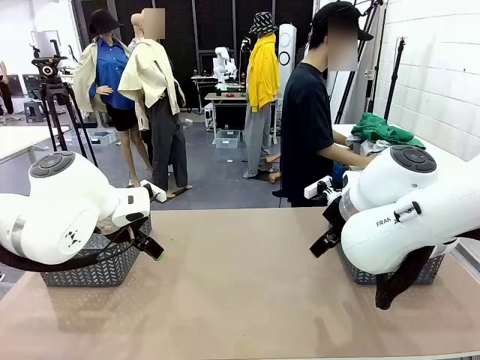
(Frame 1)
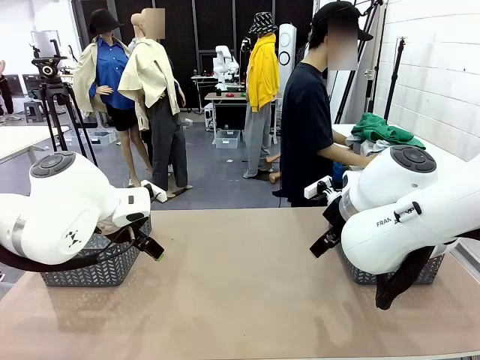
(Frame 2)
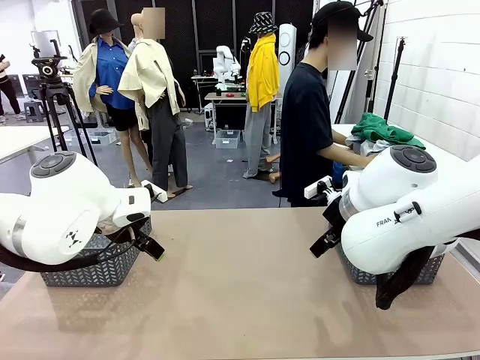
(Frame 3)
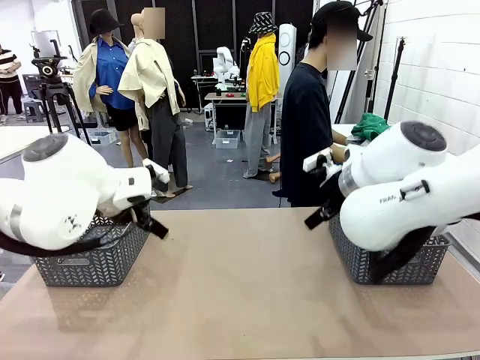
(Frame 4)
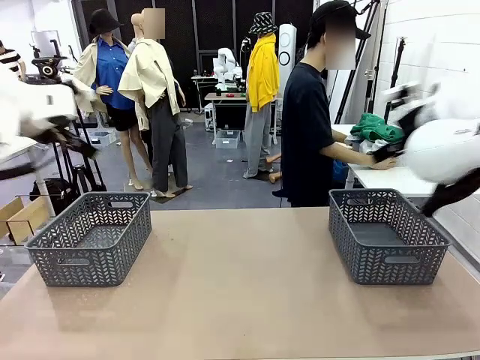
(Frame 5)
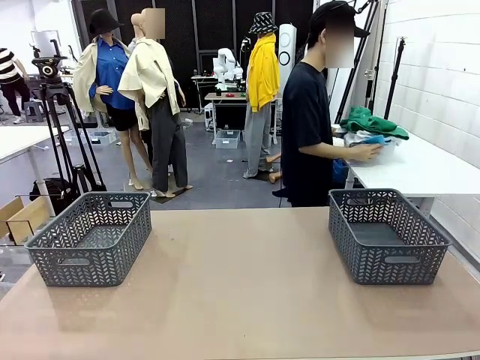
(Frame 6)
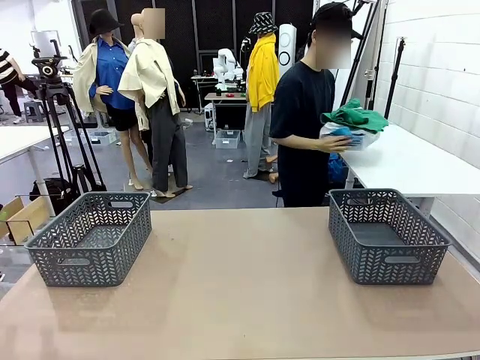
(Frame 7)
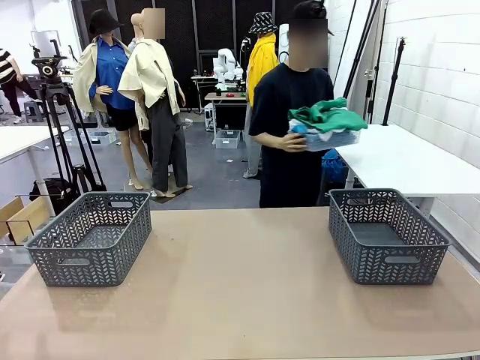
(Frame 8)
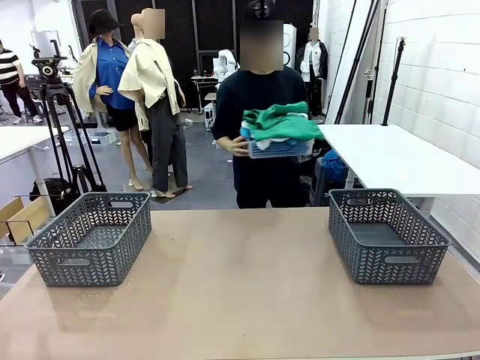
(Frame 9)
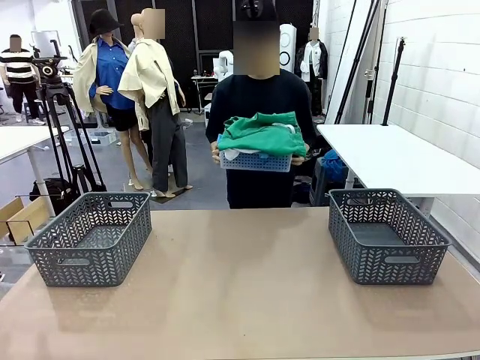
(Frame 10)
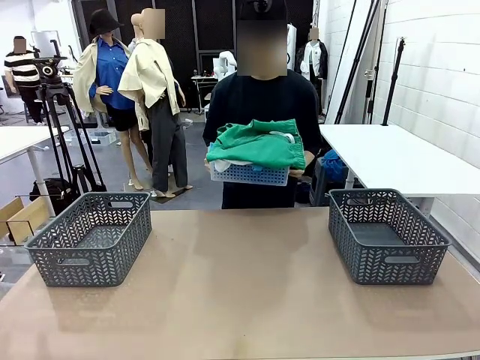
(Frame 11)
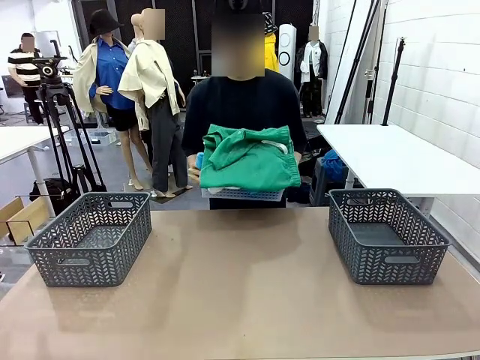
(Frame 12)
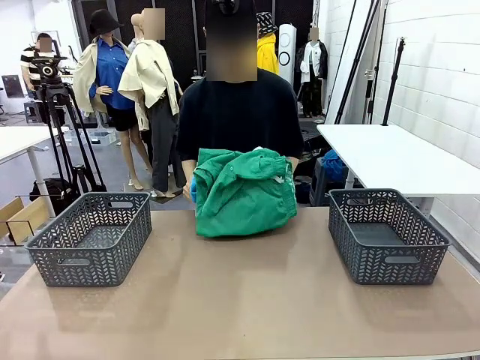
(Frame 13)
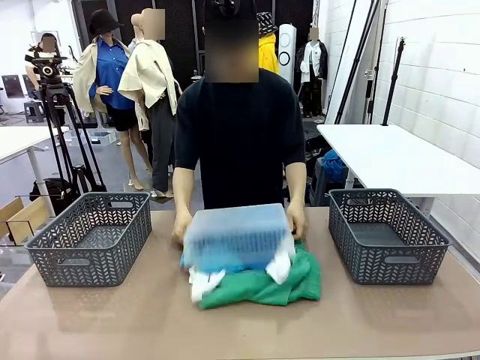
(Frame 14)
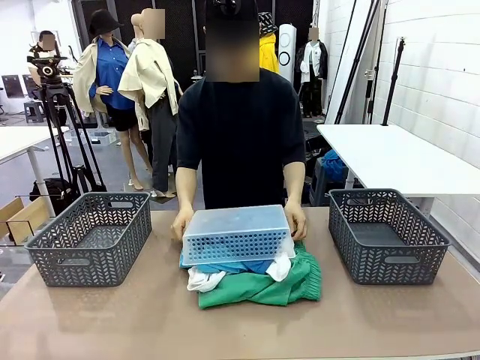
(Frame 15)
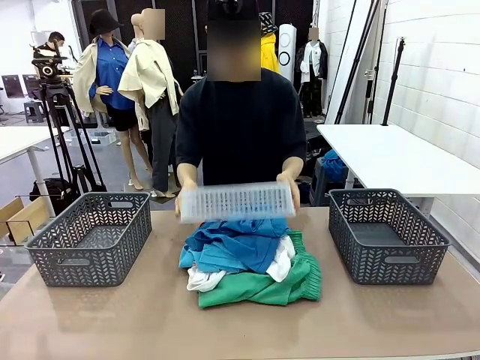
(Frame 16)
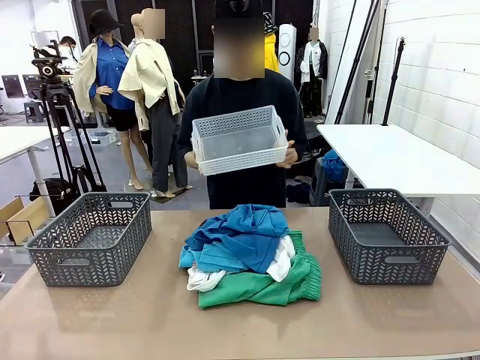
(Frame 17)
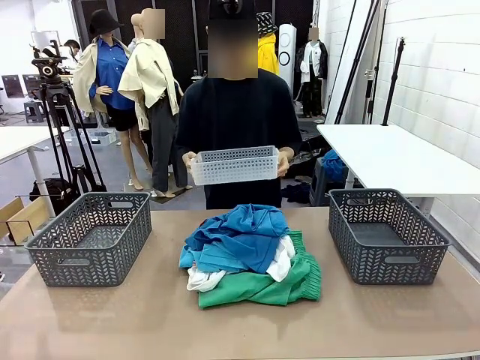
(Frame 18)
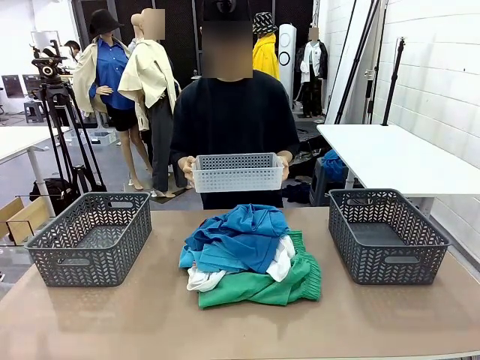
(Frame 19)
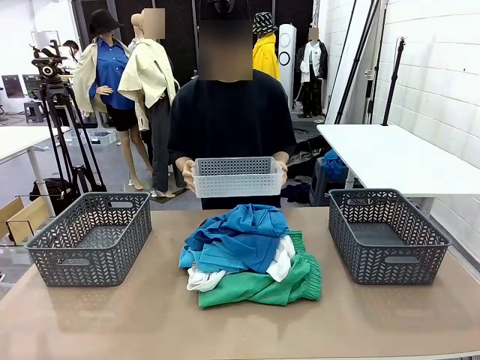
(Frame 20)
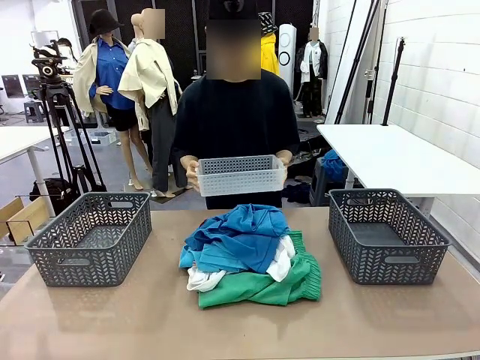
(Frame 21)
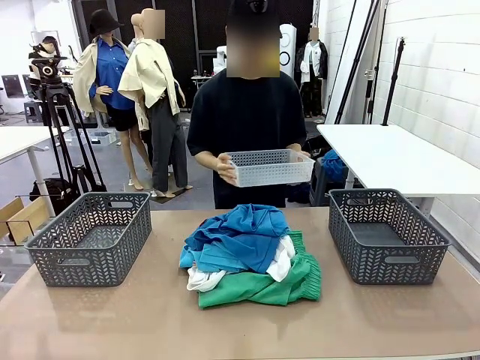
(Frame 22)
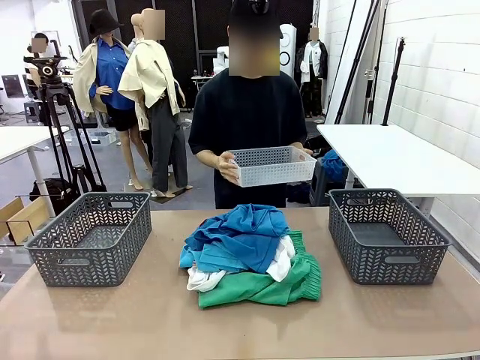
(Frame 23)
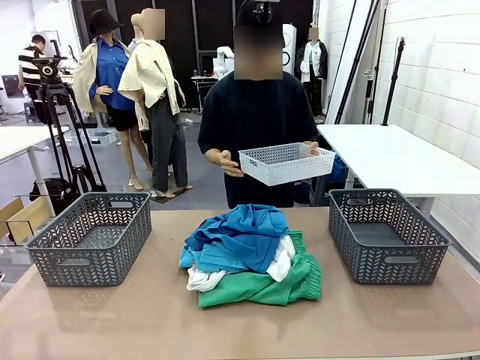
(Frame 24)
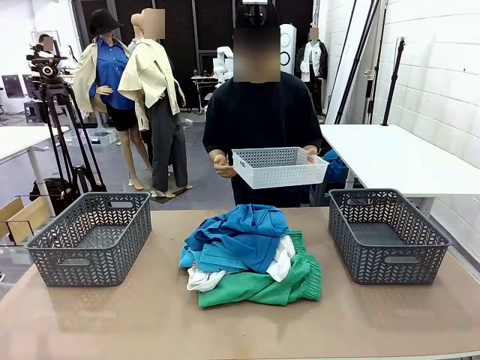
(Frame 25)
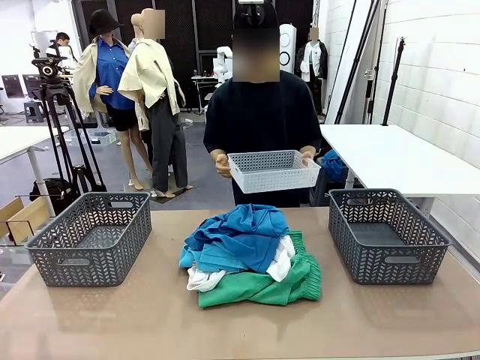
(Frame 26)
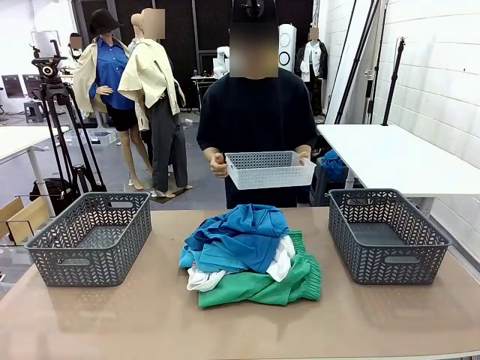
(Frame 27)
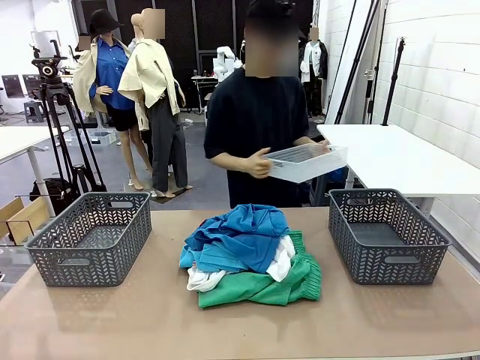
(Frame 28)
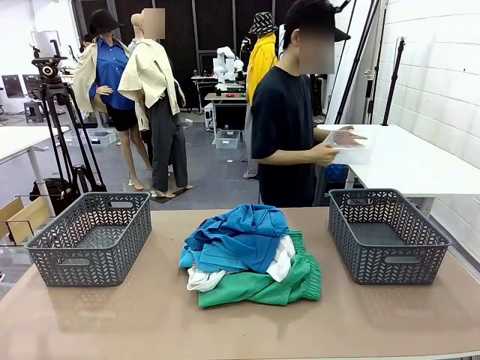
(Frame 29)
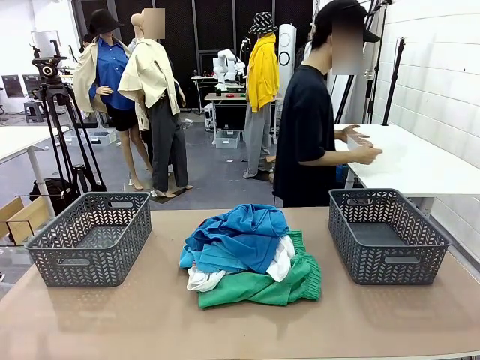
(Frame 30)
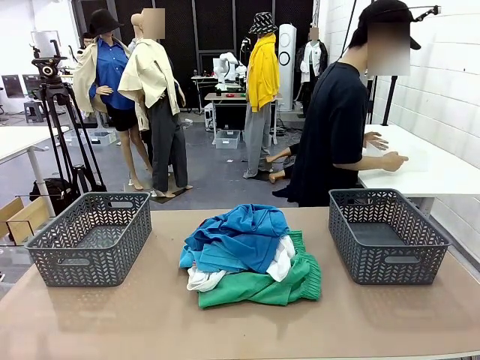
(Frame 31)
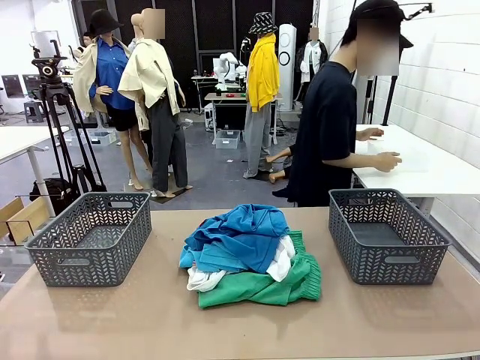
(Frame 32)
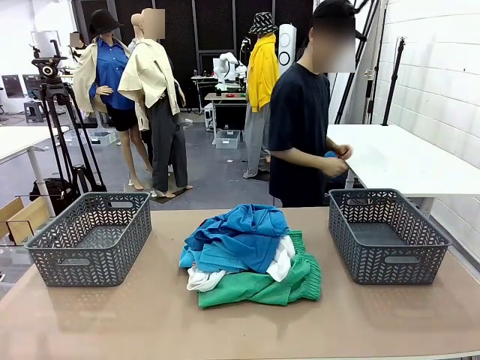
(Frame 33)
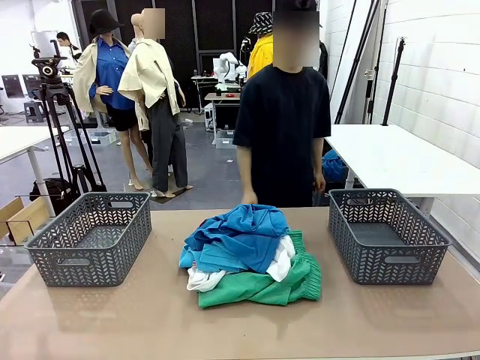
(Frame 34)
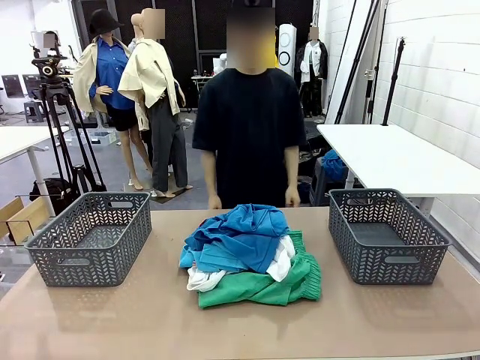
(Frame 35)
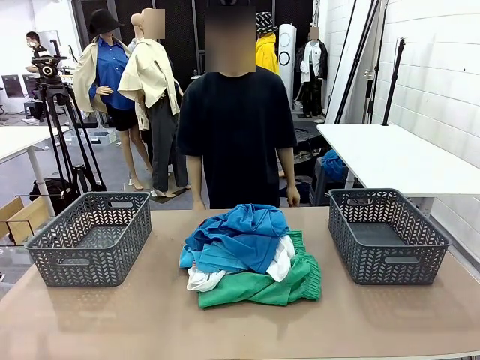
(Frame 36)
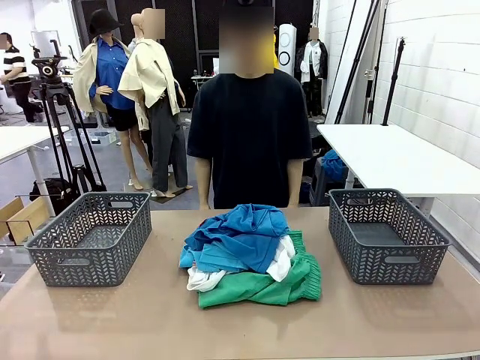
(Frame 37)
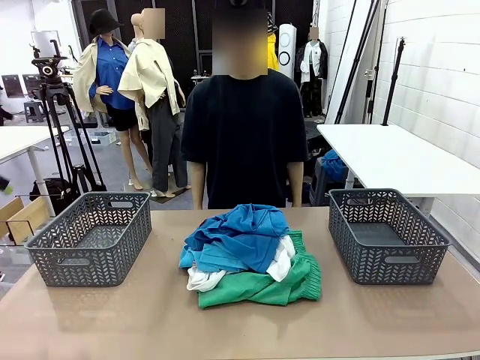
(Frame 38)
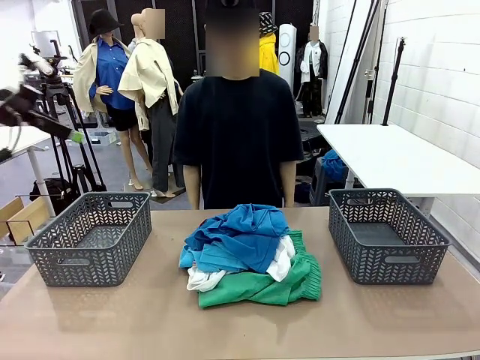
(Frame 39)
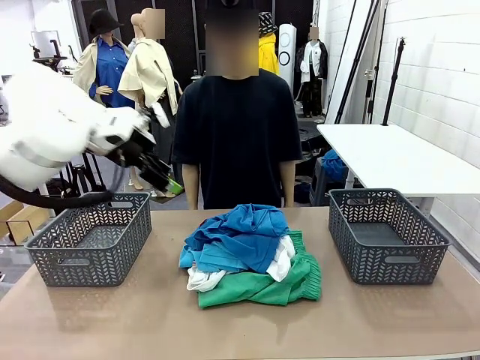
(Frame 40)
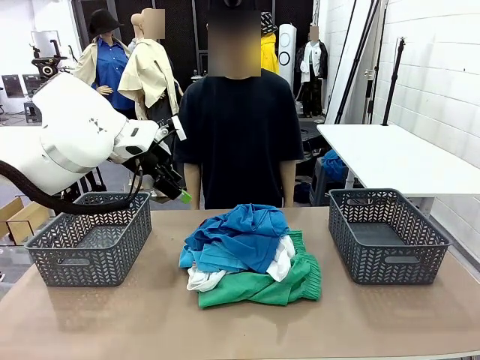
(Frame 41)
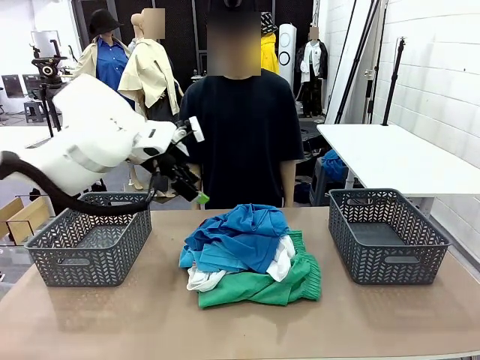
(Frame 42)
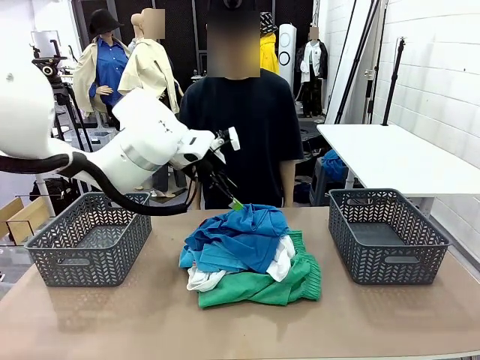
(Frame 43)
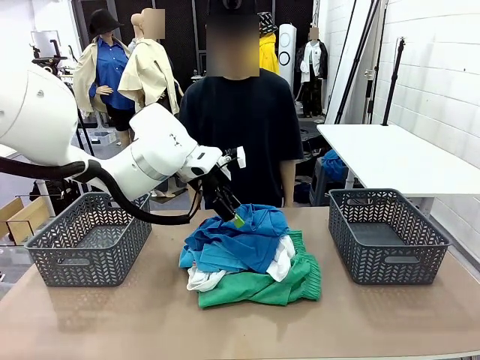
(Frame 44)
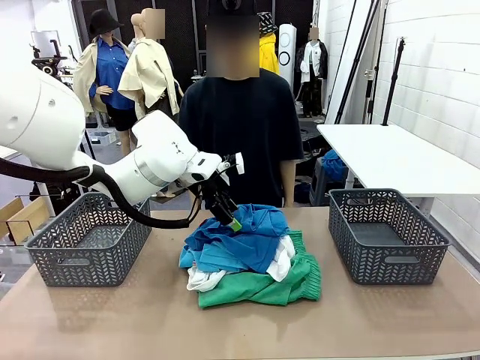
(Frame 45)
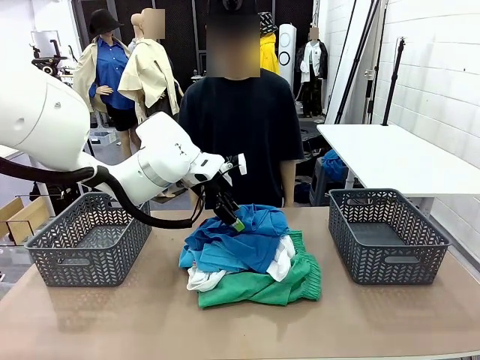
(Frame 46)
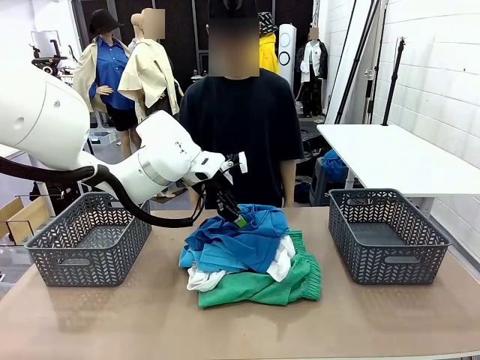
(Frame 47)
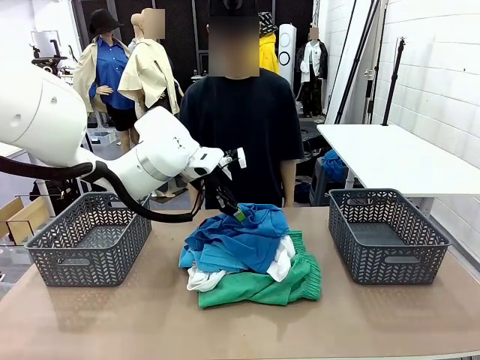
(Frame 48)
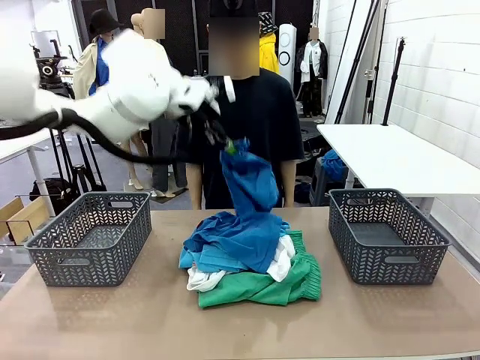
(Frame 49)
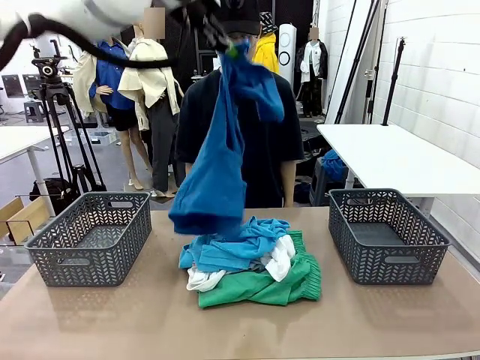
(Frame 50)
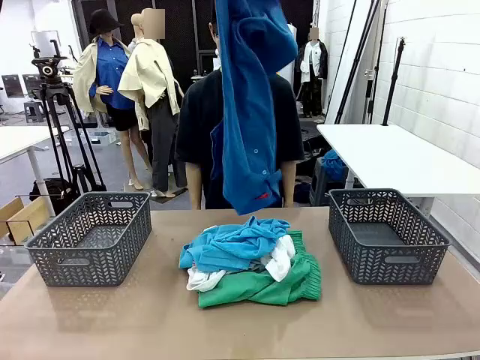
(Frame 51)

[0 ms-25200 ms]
Task: Sort the tops and bottoms.
Robot: Lift clothes from the center of the table with your left hand.
Person: Pour the clothes from the basket onto the center of the robot table.
